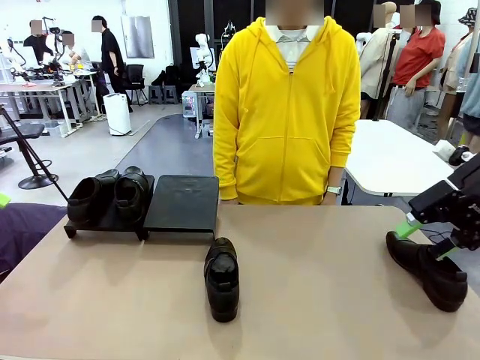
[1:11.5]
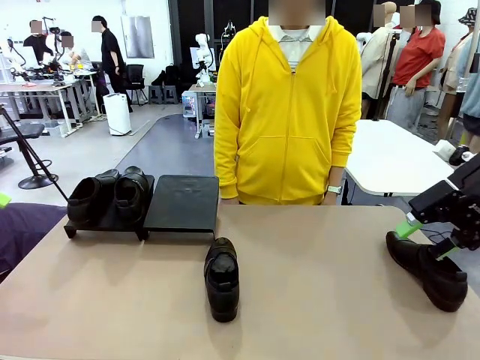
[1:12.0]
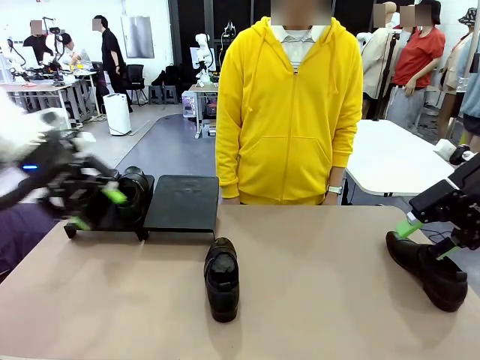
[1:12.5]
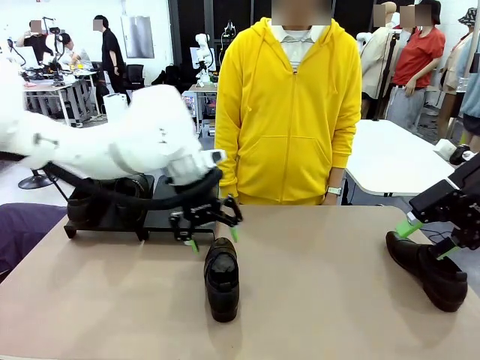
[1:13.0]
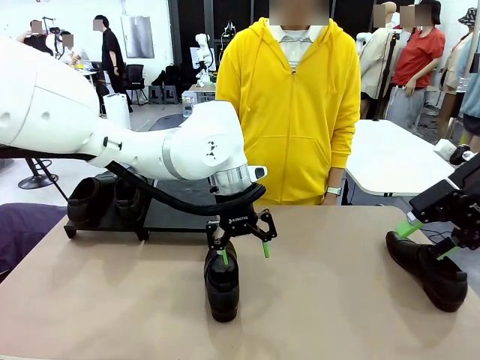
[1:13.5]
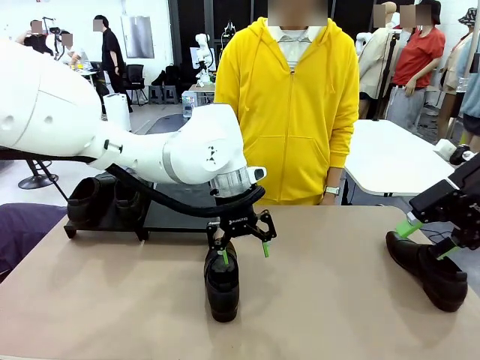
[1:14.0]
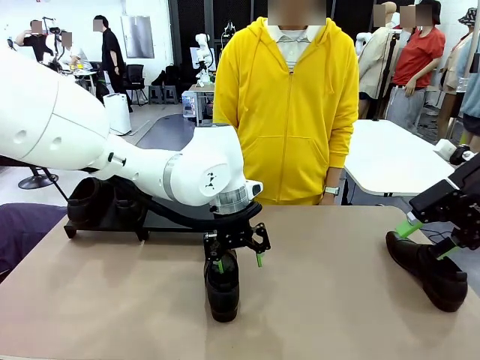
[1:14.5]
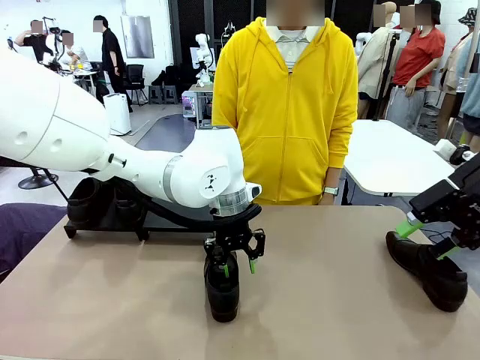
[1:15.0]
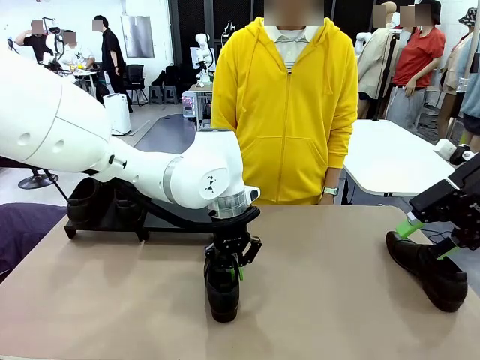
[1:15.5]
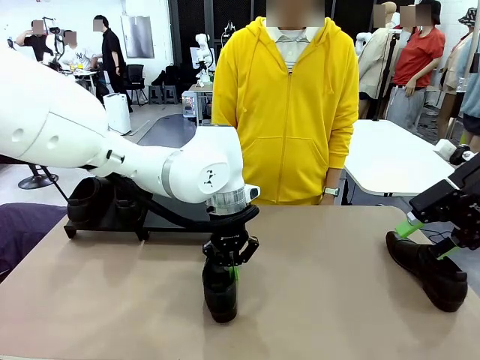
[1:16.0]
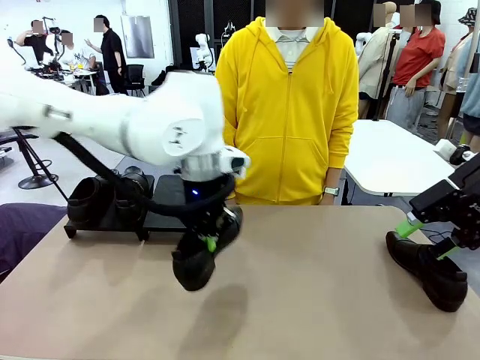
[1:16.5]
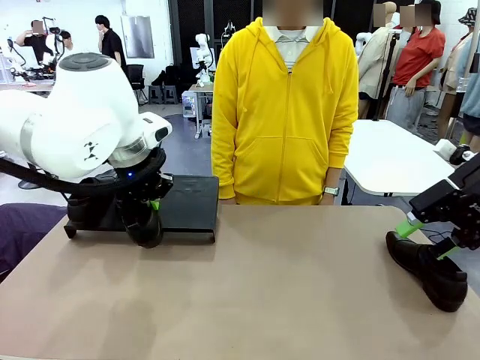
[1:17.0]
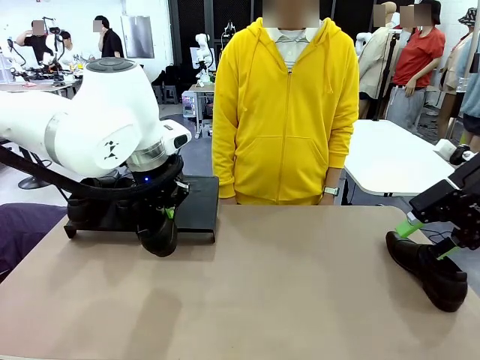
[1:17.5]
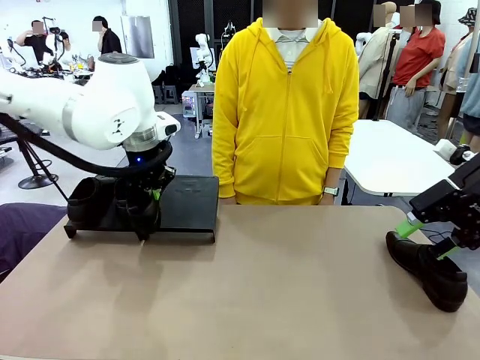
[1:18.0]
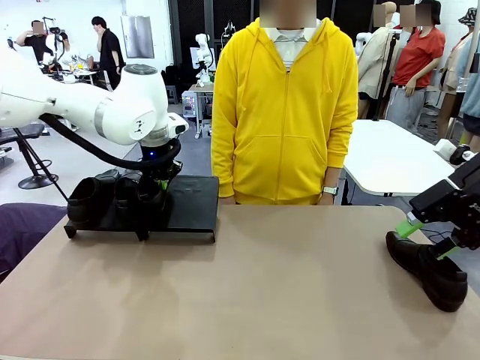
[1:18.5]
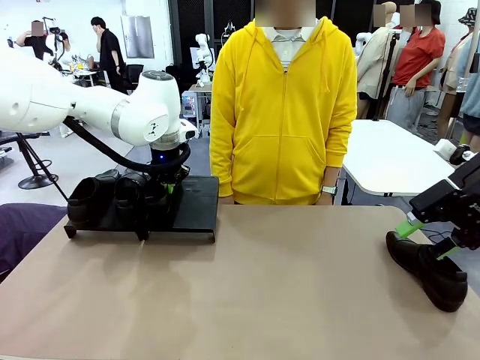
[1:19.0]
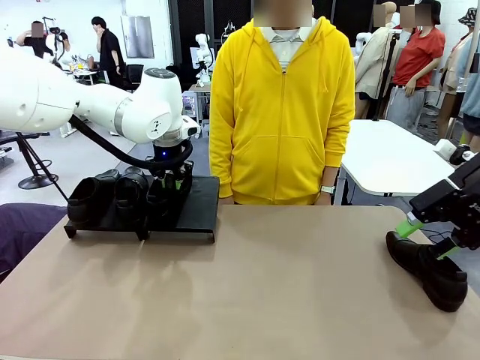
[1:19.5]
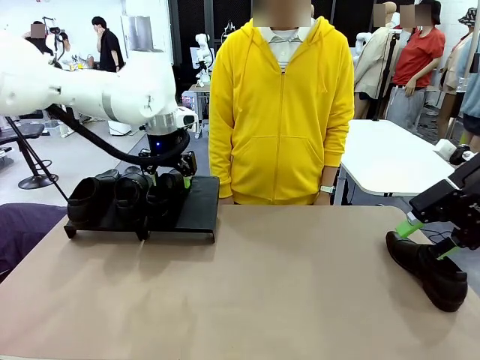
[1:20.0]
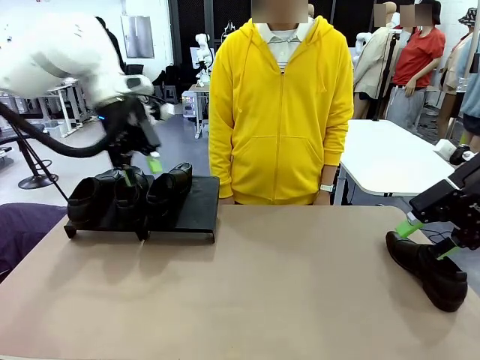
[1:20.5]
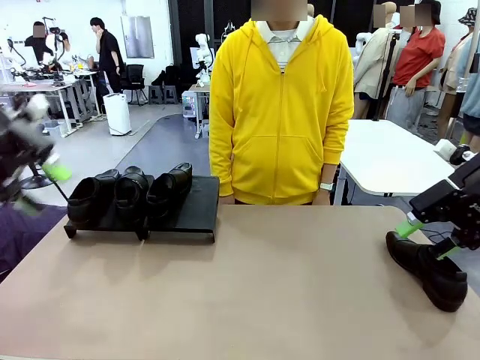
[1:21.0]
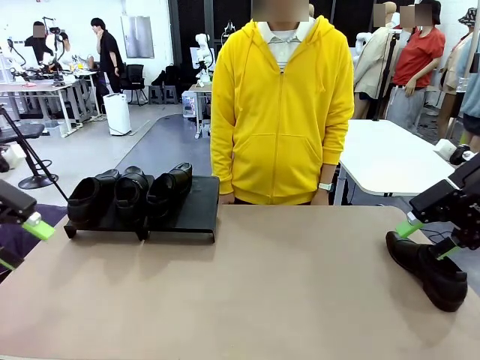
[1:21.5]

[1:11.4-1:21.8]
Task: Organize the shoes by placing them on the stand.
Robot: Place the Shoe from the middle of the table onto the Shoes Stand.

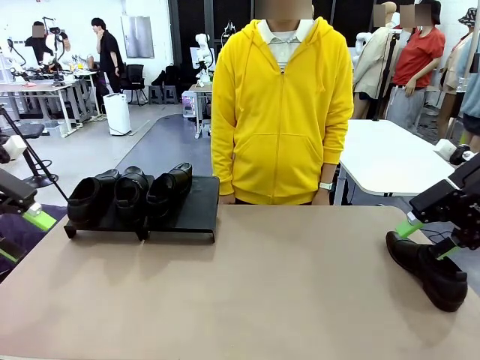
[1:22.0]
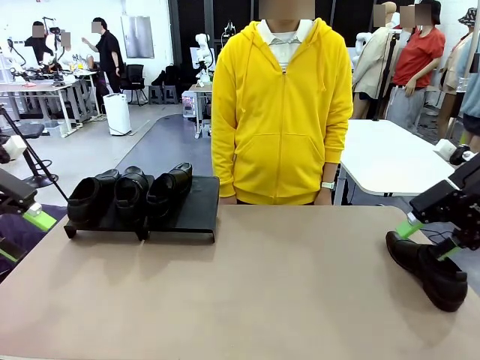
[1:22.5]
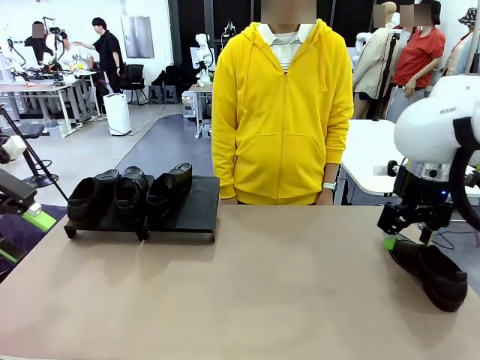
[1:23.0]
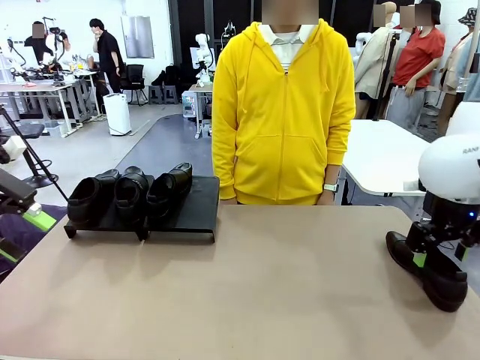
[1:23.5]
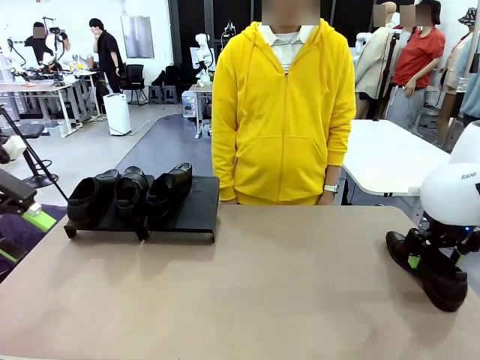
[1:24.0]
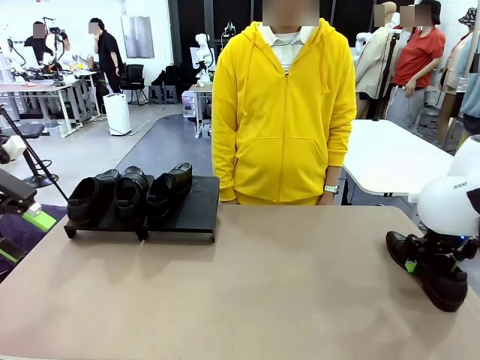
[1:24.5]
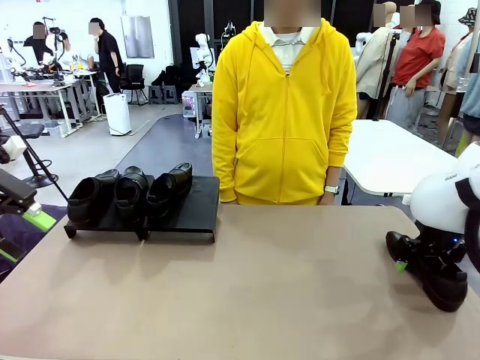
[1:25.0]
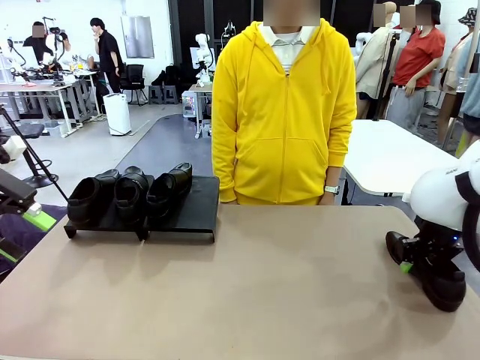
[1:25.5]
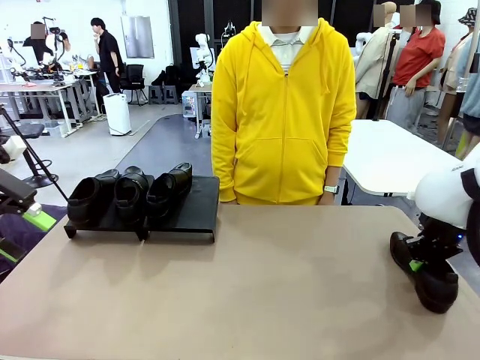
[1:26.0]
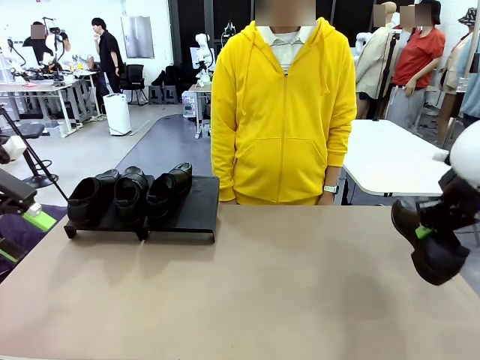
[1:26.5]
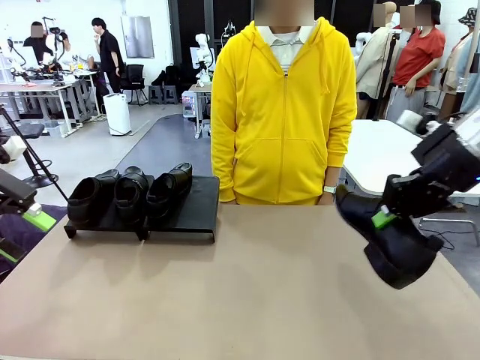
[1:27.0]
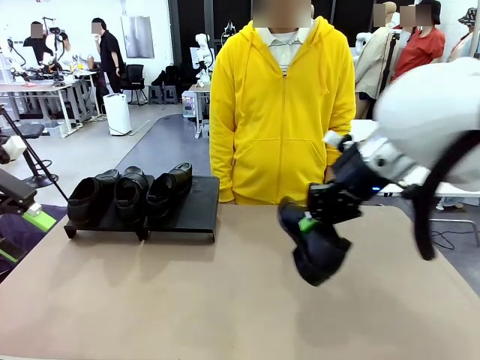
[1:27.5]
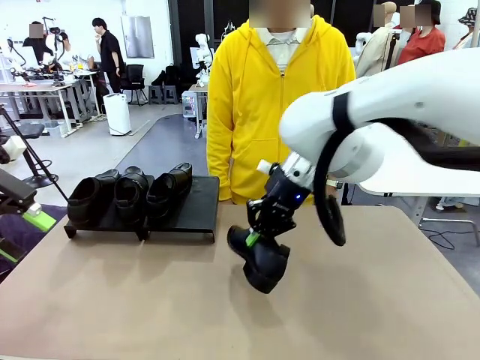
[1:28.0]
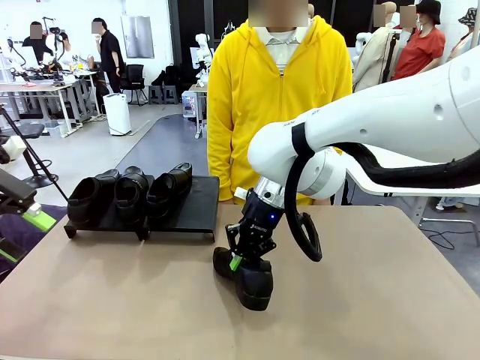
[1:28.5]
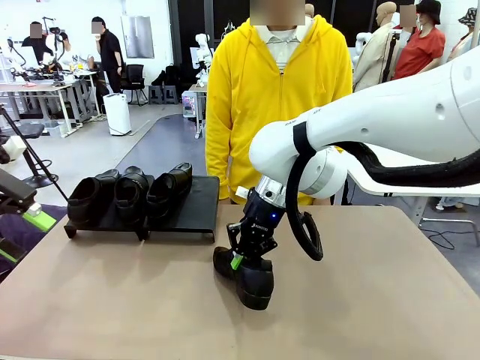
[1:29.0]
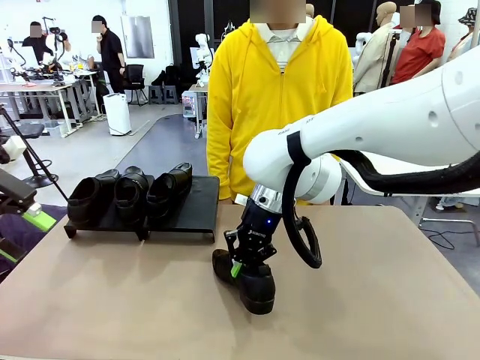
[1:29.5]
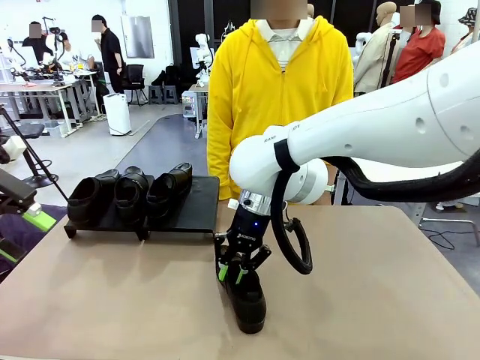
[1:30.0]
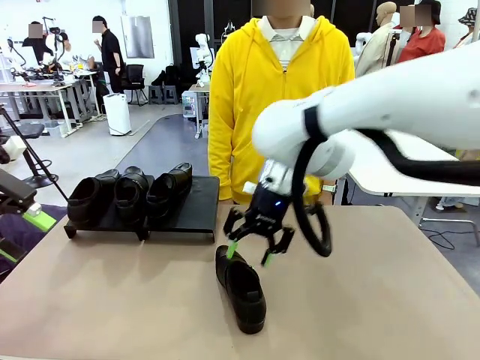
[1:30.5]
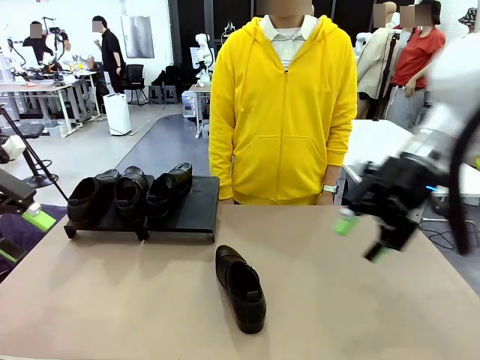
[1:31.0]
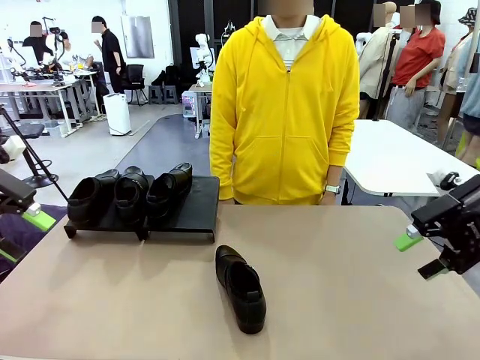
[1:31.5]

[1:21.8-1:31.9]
Robot: Pick up one Shoe and place it in the middle of the table.

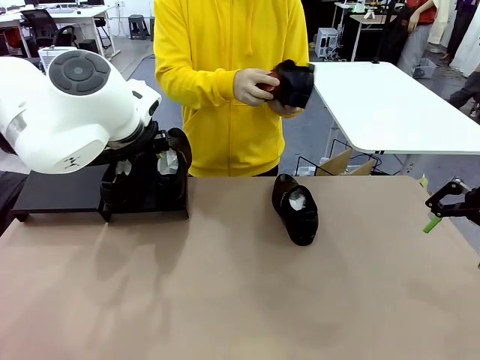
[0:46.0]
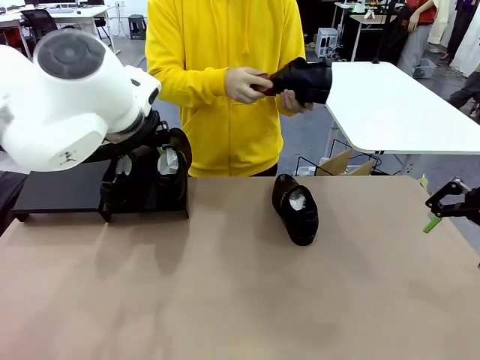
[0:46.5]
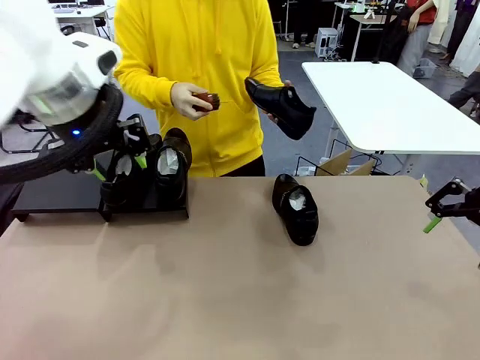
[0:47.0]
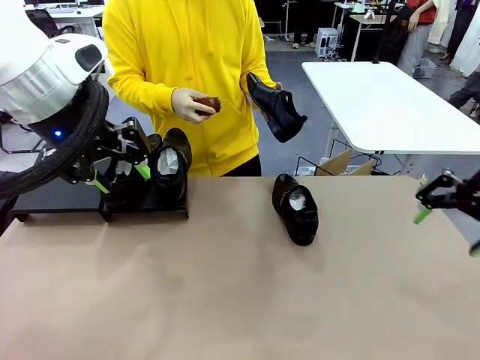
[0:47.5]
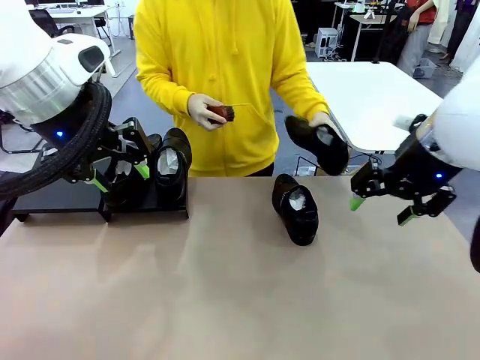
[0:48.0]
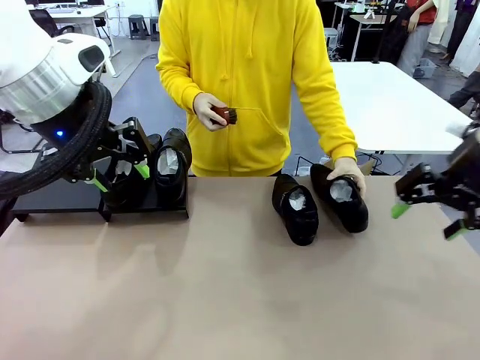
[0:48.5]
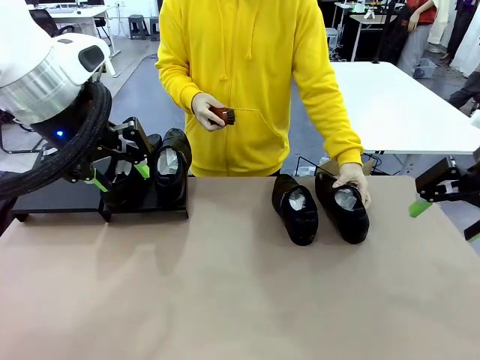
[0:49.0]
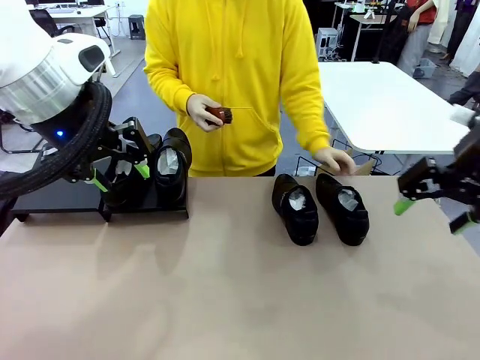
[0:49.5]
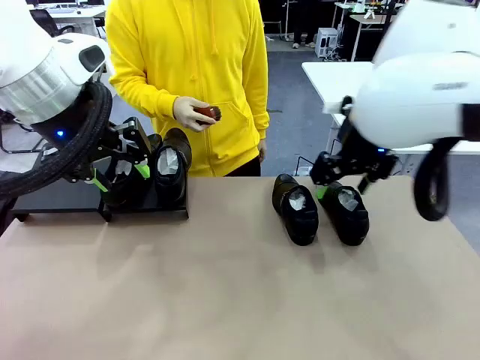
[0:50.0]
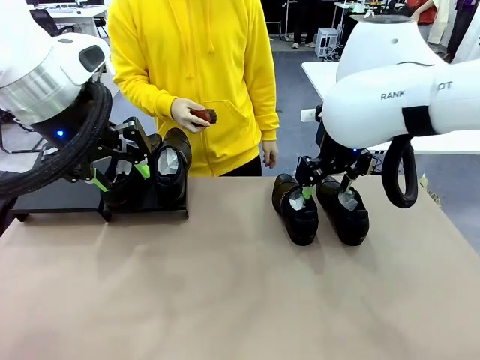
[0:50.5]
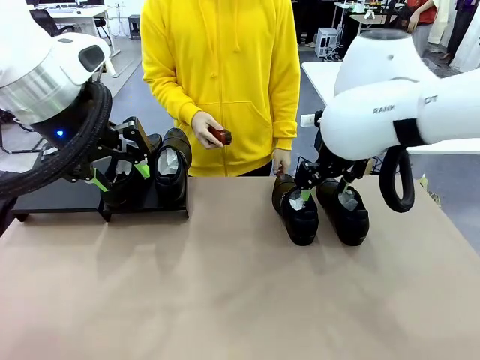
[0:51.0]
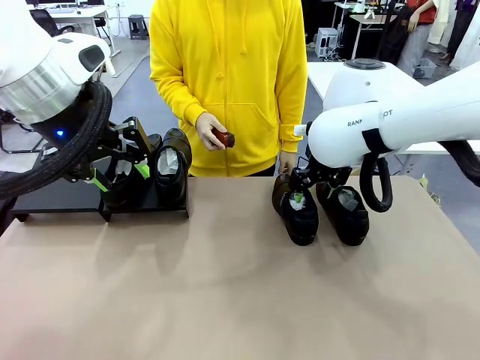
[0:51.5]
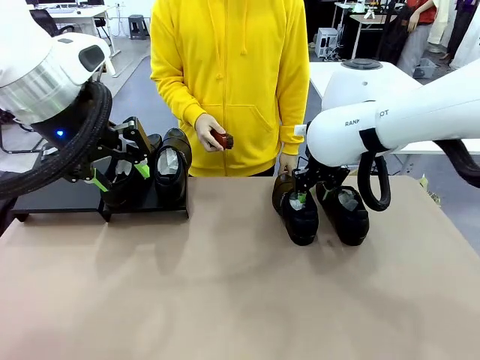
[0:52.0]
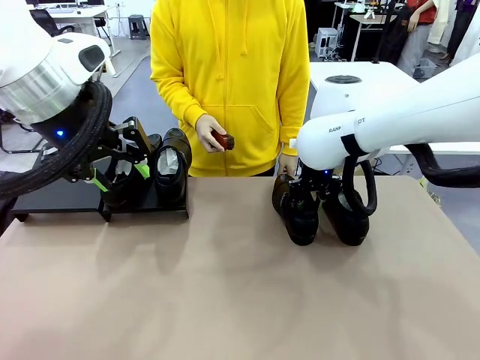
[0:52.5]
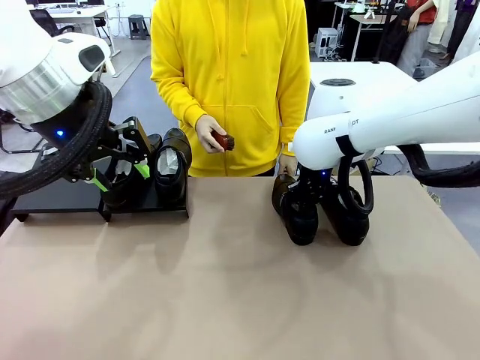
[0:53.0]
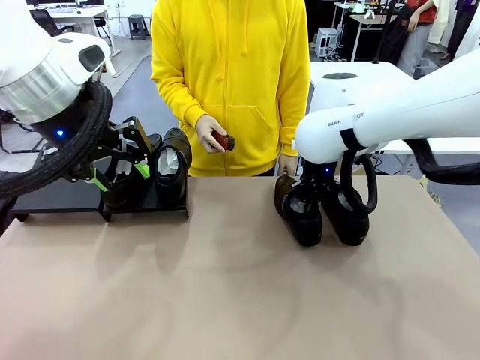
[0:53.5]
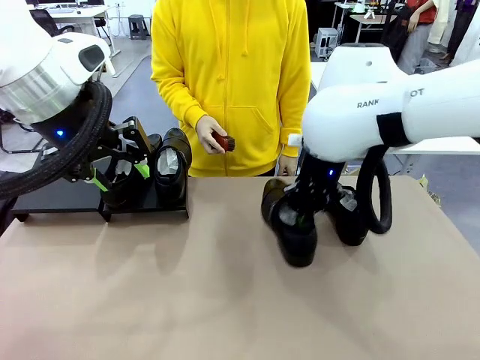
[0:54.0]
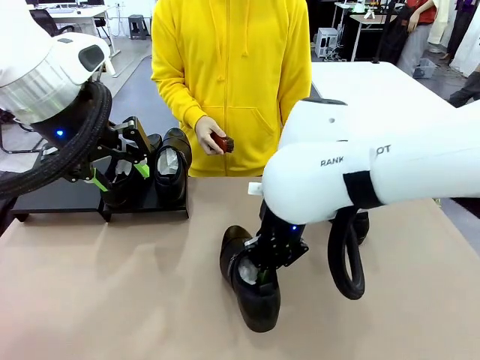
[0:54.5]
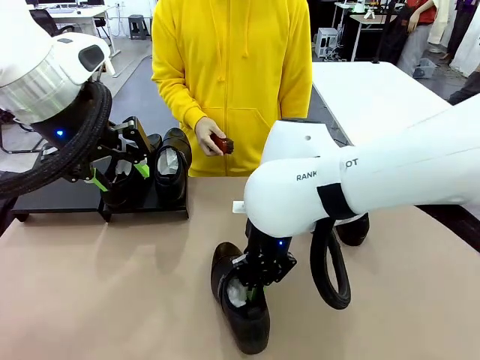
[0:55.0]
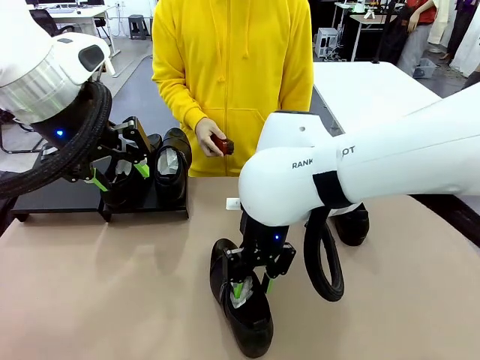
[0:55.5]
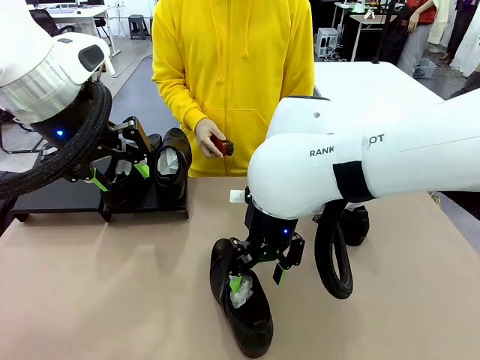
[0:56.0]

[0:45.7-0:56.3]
Task: Organize the shoes by placing them on the stand.
Robot: Pick up one Shoe and place it in the middle of the table.
